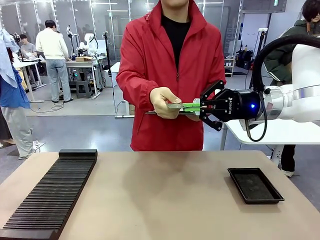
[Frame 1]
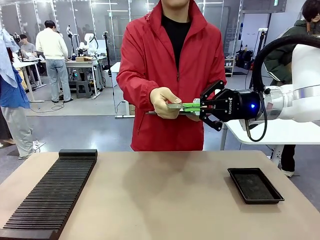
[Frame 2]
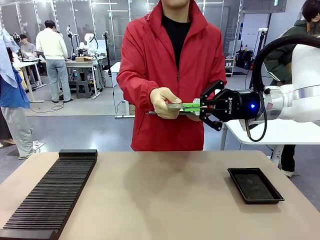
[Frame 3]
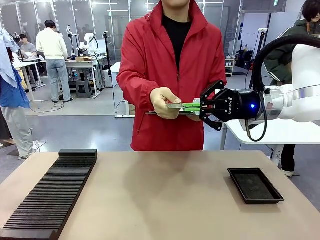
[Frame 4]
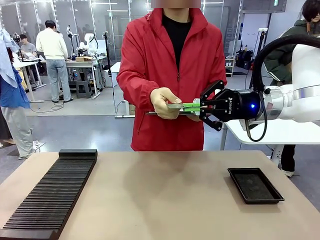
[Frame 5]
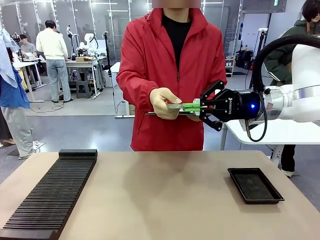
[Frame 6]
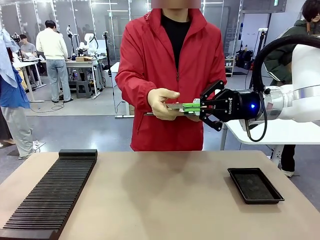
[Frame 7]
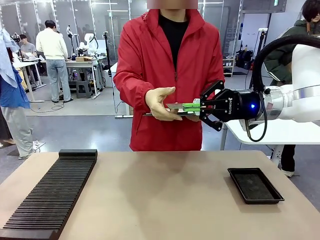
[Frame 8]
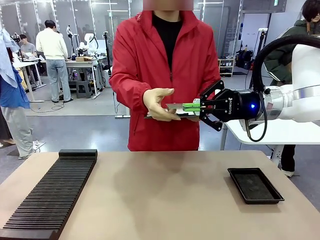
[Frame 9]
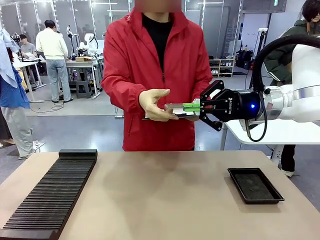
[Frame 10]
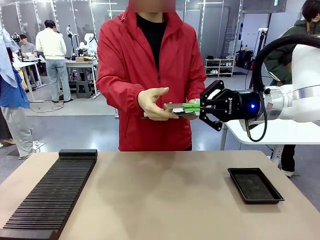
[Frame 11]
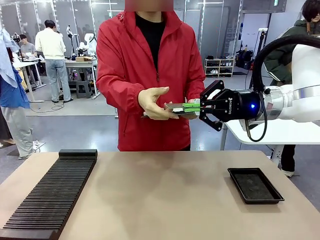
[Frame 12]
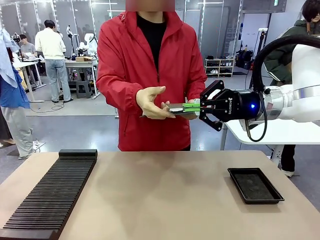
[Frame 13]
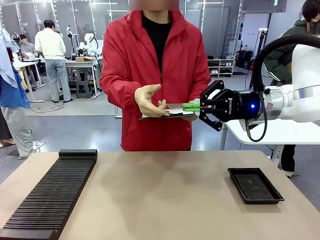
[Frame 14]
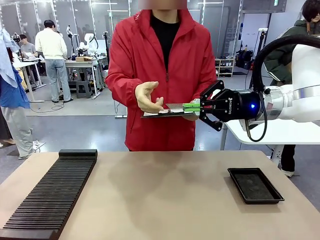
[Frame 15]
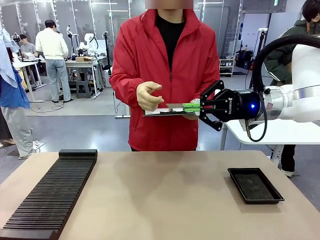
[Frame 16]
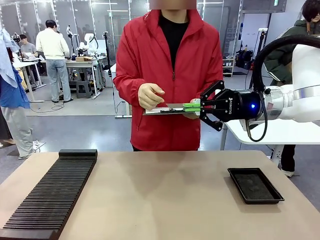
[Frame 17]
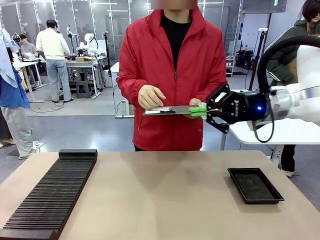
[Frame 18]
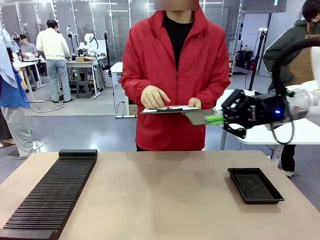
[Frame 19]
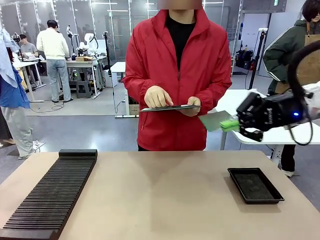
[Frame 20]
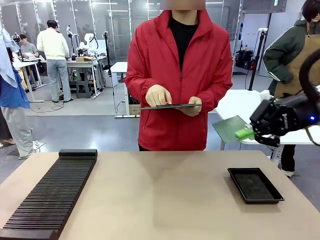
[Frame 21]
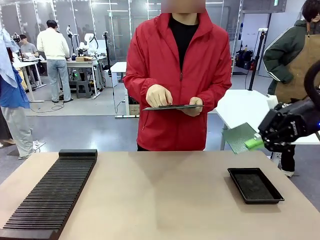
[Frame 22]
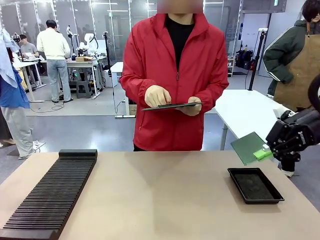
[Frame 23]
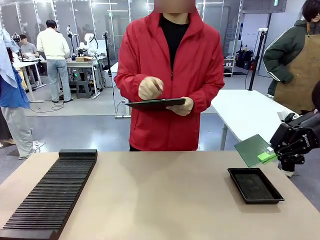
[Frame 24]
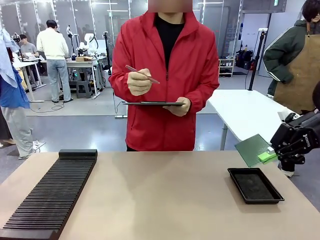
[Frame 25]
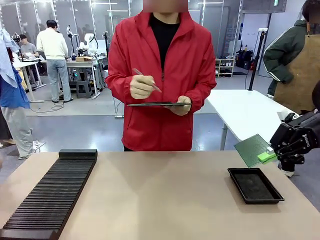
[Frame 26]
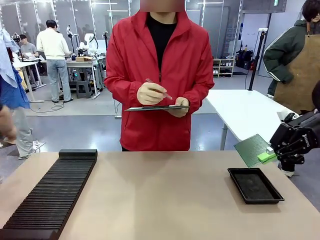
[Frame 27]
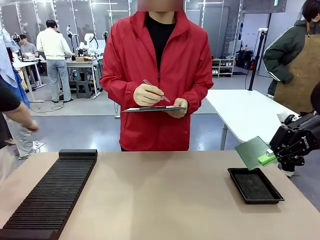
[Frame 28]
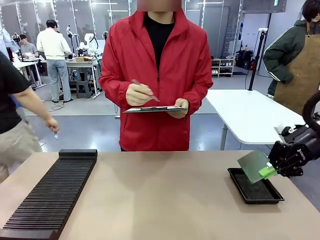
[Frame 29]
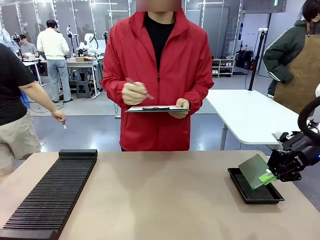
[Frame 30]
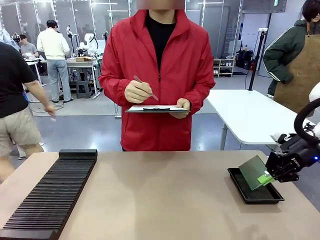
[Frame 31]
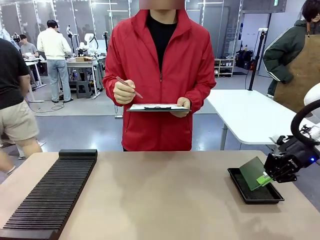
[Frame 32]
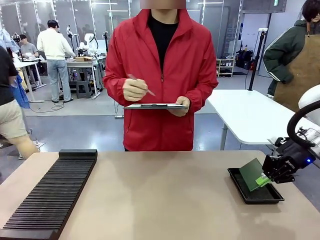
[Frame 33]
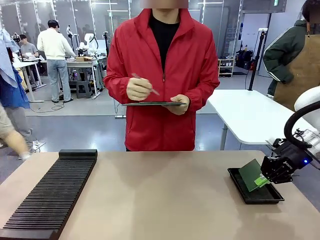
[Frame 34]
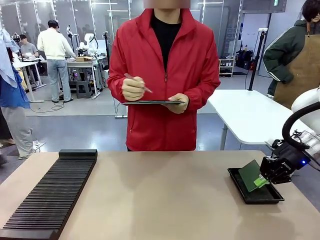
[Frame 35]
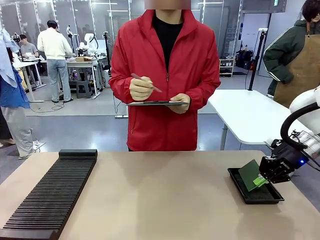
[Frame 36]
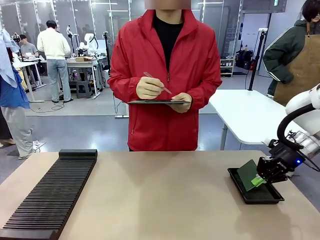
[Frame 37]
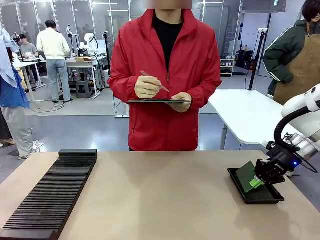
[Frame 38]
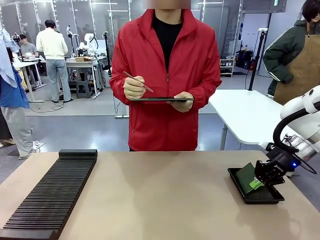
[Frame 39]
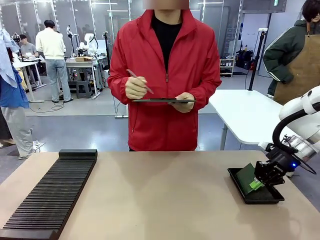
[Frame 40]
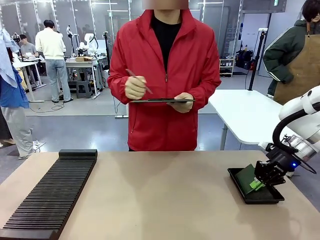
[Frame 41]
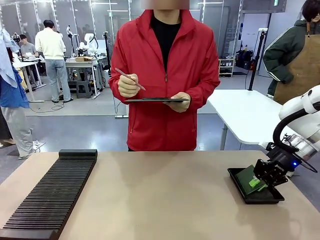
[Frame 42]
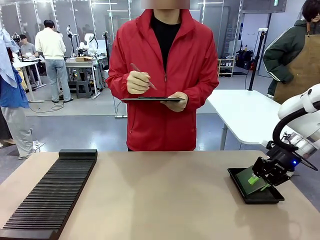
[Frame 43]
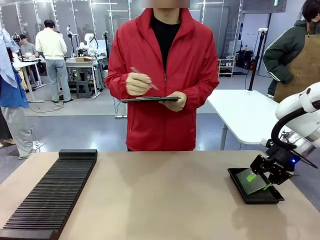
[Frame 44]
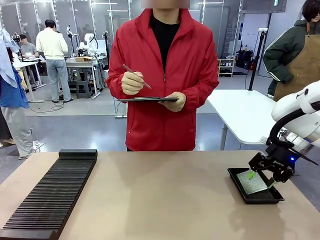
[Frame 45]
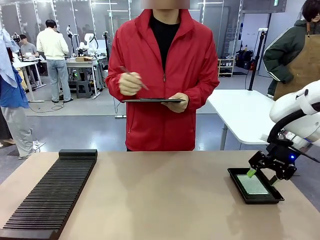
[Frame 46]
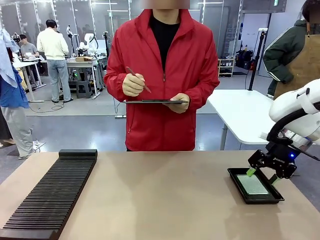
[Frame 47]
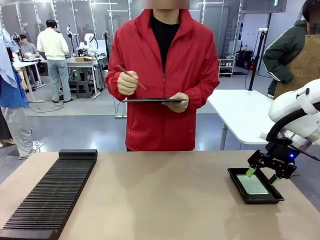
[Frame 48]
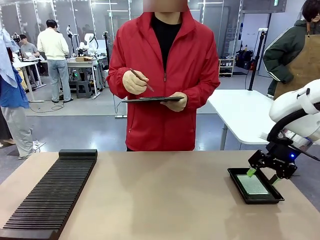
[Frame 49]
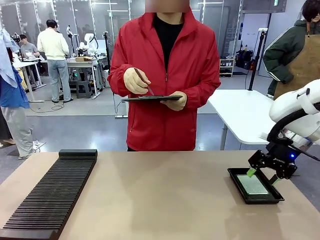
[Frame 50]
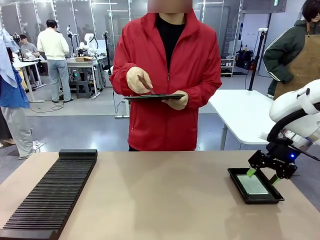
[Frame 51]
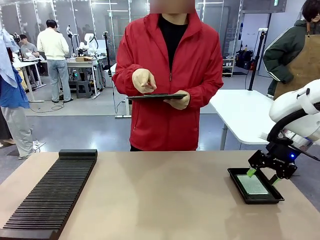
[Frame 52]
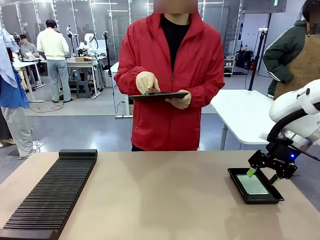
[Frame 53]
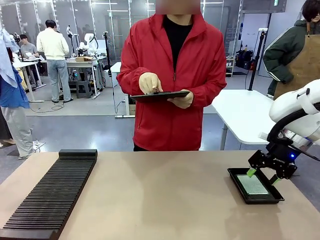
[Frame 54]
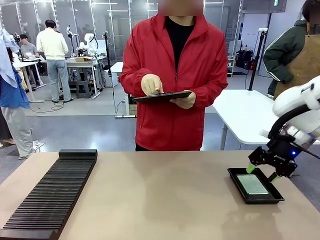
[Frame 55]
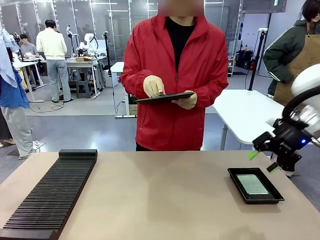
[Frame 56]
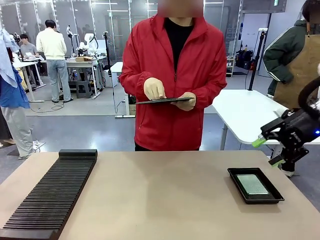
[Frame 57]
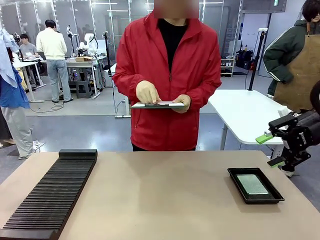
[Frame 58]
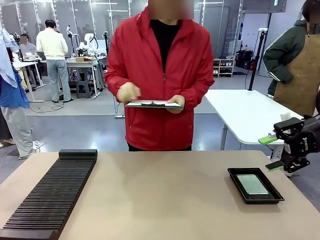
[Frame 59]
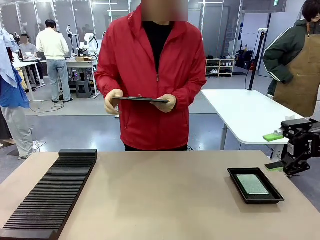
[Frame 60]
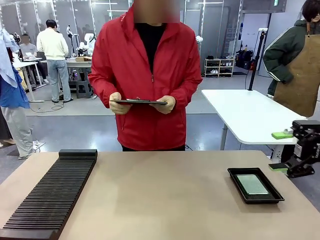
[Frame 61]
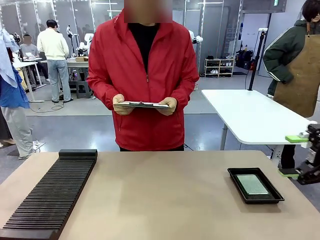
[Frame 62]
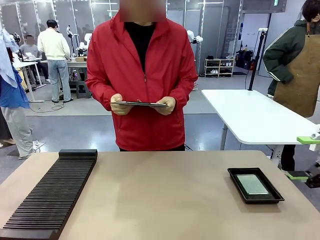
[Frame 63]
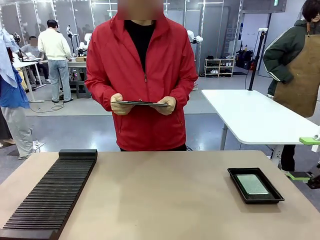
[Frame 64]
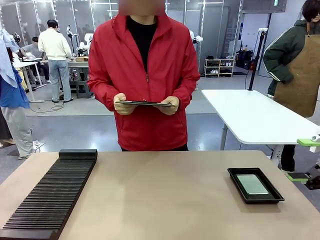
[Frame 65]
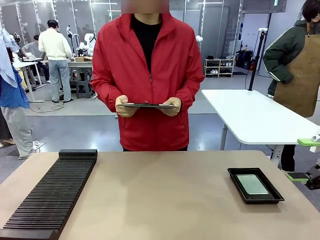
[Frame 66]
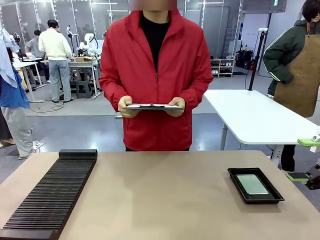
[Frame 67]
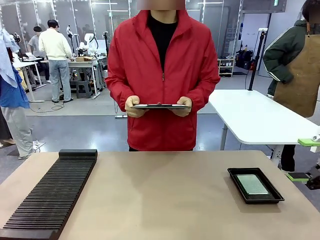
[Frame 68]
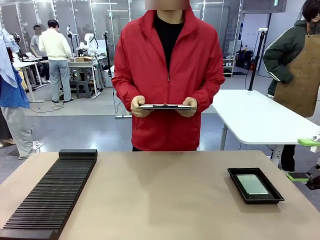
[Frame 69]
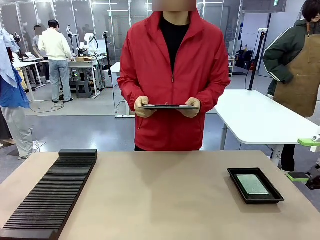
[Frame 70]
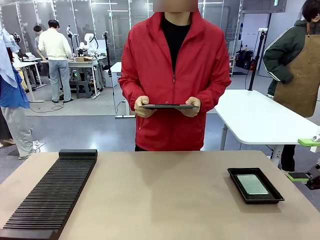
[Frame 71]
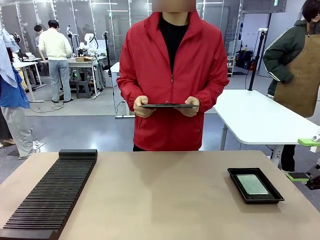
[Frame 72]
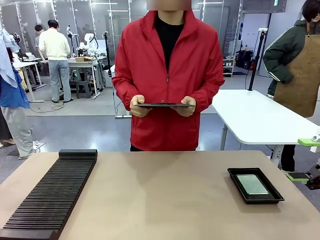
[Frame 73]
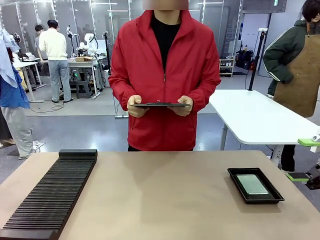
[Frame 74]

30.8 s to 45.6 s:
Task: Inspect the PCB.
Robot: Place the Blank PCB in the ESD tray.
Person: Record the PCB status on the paper.
